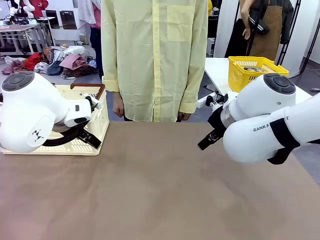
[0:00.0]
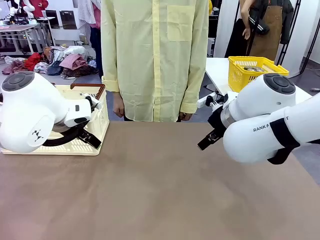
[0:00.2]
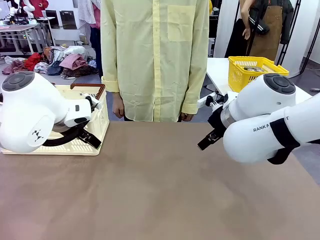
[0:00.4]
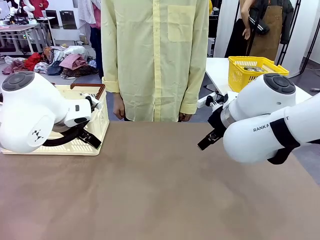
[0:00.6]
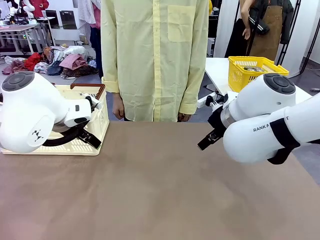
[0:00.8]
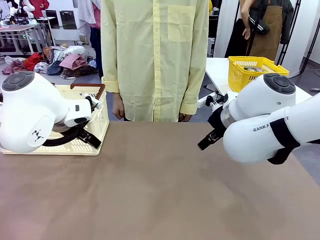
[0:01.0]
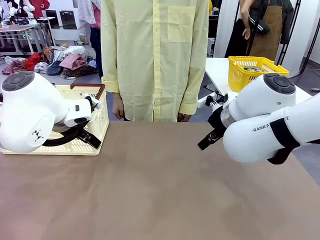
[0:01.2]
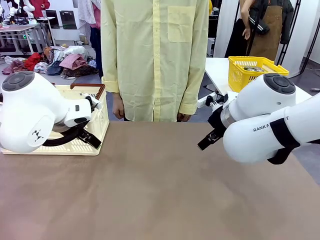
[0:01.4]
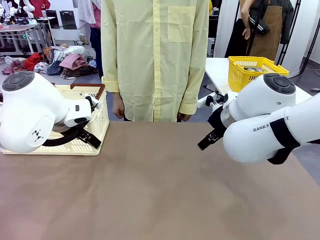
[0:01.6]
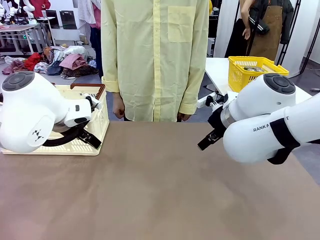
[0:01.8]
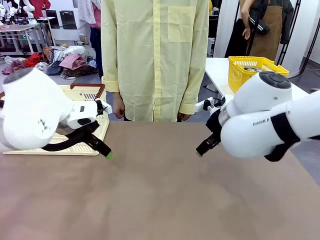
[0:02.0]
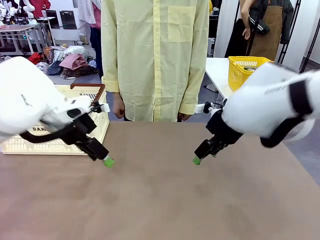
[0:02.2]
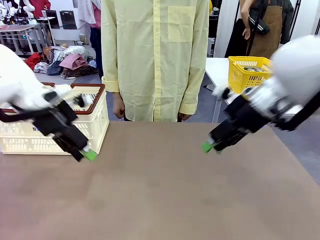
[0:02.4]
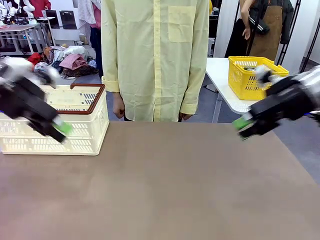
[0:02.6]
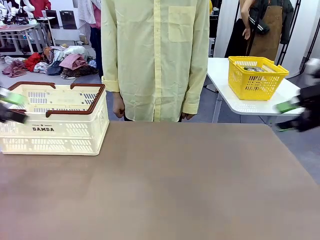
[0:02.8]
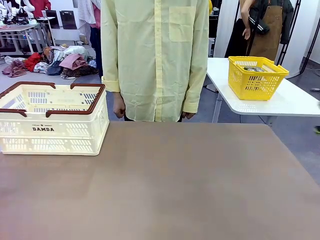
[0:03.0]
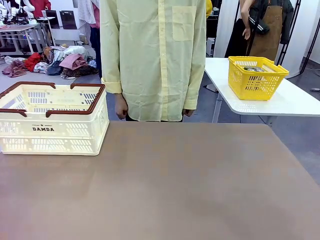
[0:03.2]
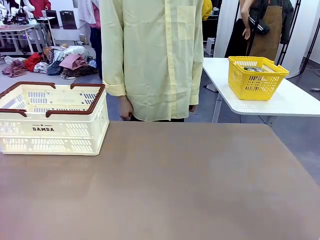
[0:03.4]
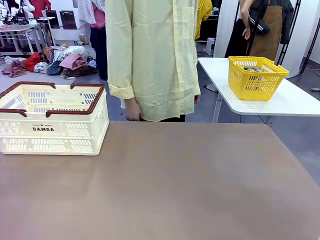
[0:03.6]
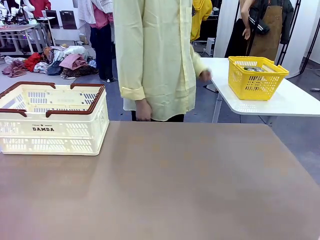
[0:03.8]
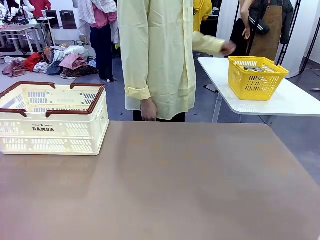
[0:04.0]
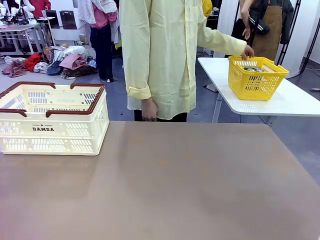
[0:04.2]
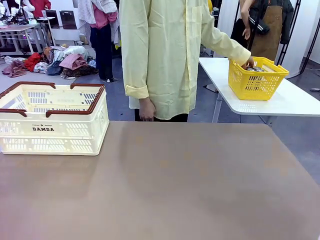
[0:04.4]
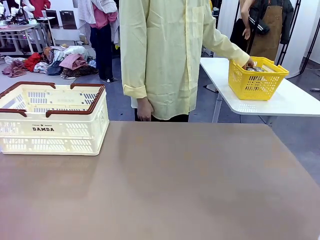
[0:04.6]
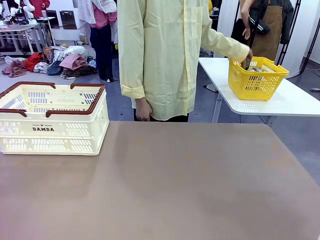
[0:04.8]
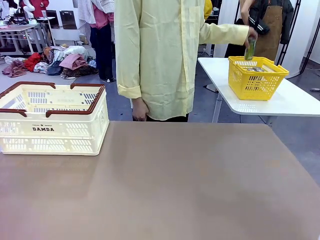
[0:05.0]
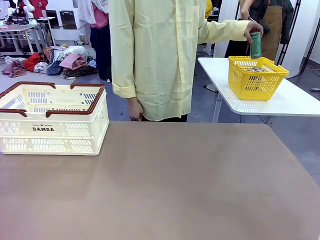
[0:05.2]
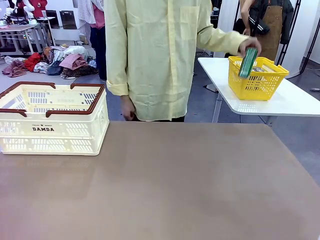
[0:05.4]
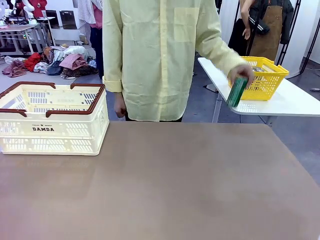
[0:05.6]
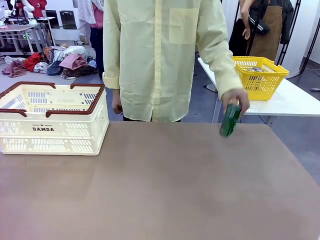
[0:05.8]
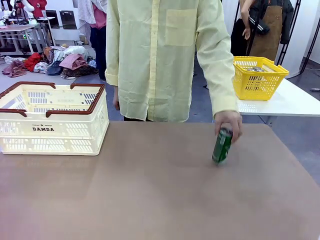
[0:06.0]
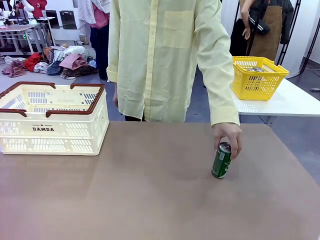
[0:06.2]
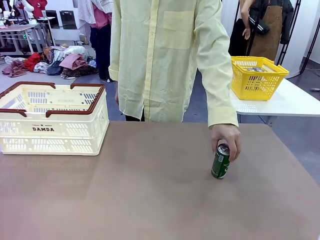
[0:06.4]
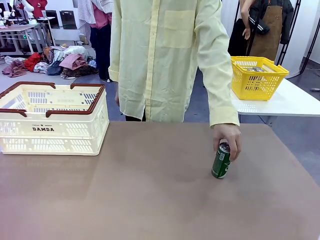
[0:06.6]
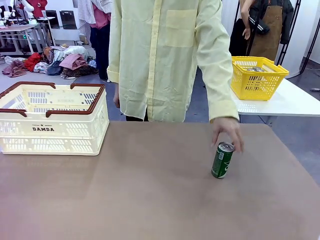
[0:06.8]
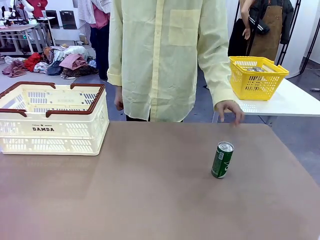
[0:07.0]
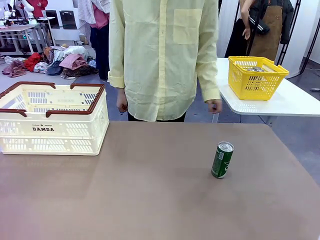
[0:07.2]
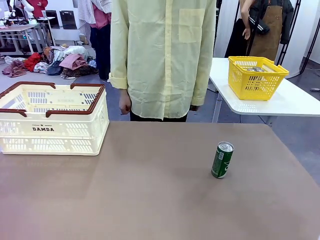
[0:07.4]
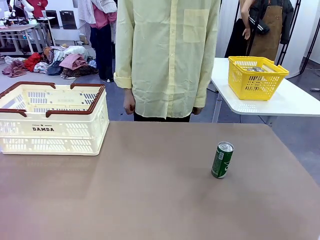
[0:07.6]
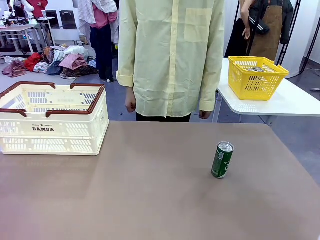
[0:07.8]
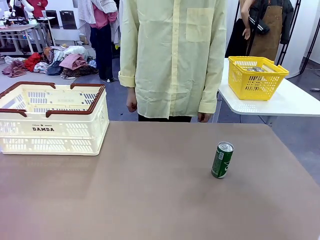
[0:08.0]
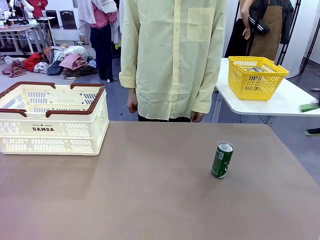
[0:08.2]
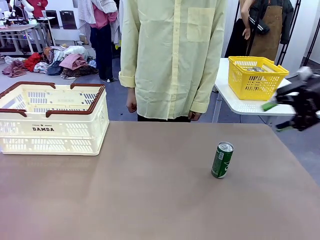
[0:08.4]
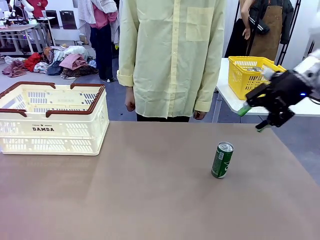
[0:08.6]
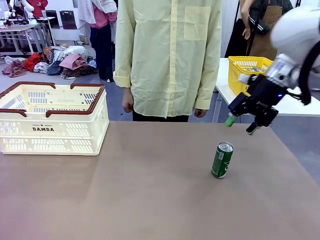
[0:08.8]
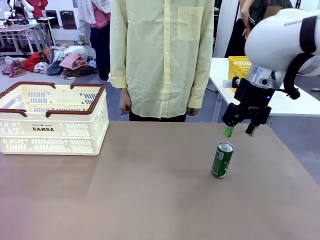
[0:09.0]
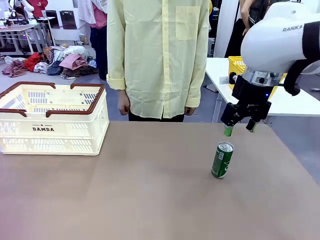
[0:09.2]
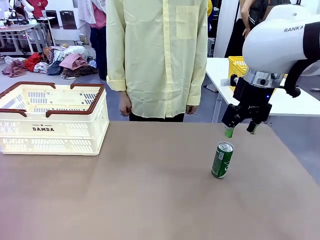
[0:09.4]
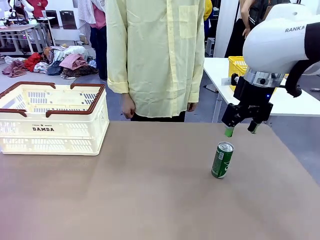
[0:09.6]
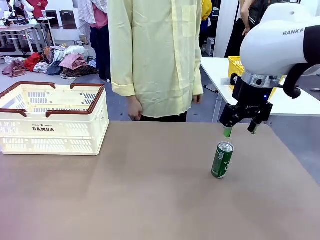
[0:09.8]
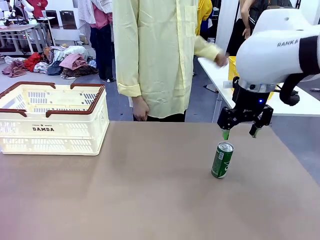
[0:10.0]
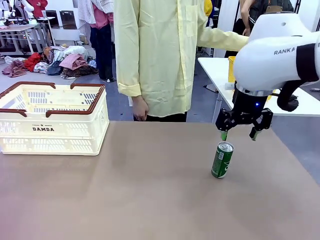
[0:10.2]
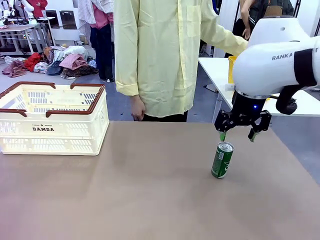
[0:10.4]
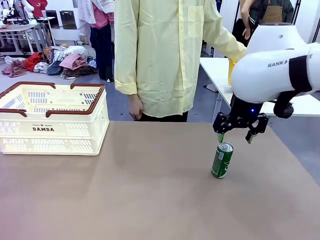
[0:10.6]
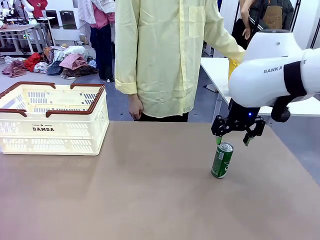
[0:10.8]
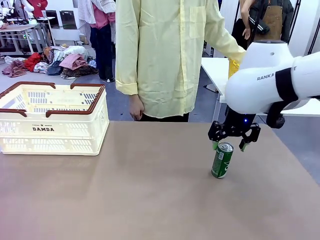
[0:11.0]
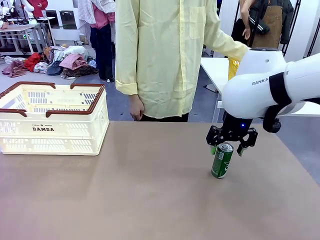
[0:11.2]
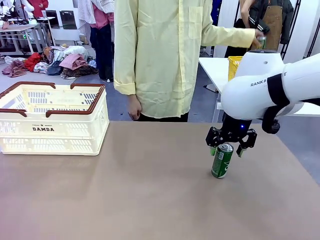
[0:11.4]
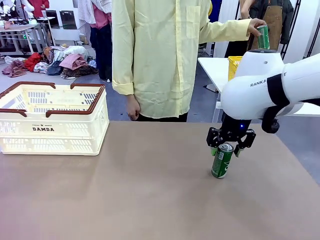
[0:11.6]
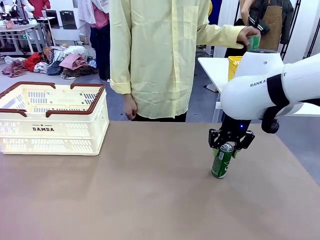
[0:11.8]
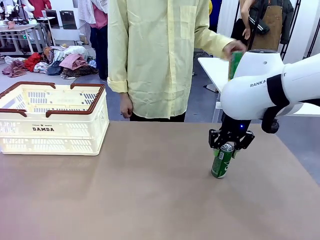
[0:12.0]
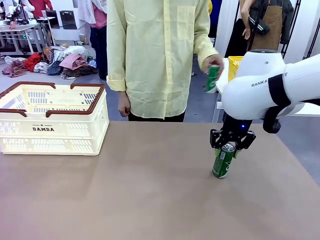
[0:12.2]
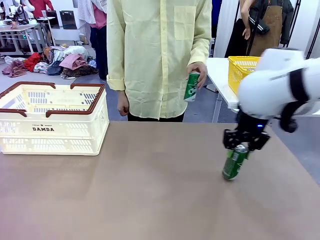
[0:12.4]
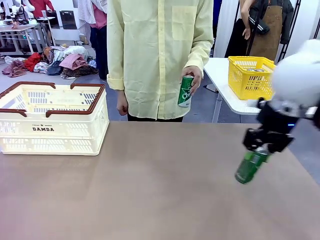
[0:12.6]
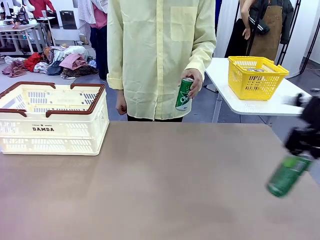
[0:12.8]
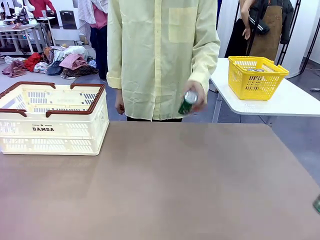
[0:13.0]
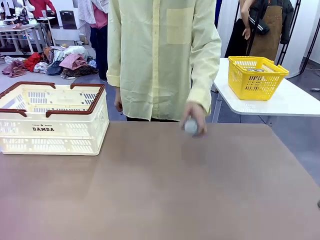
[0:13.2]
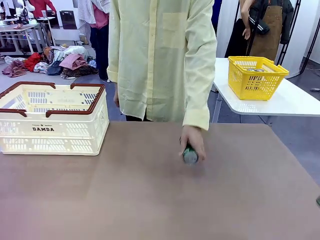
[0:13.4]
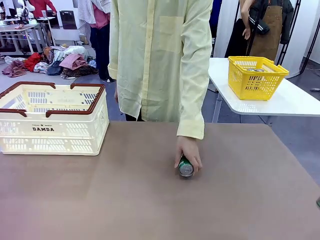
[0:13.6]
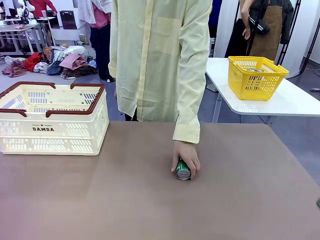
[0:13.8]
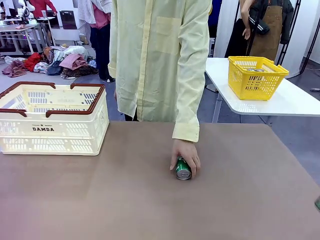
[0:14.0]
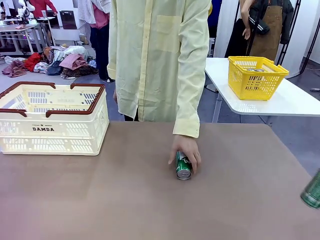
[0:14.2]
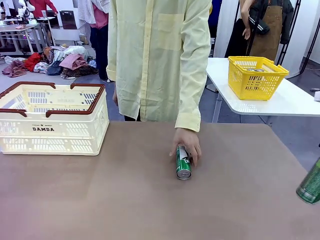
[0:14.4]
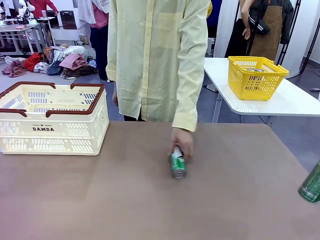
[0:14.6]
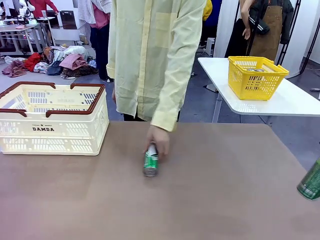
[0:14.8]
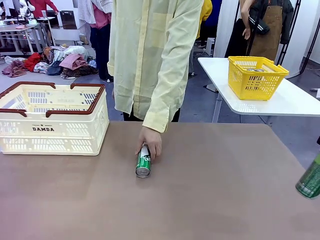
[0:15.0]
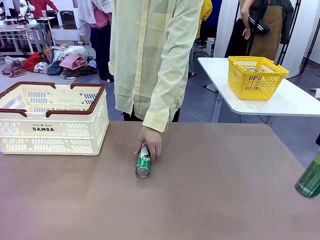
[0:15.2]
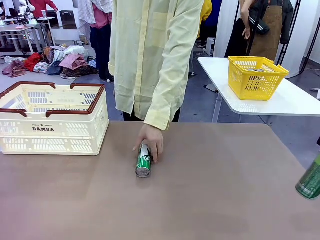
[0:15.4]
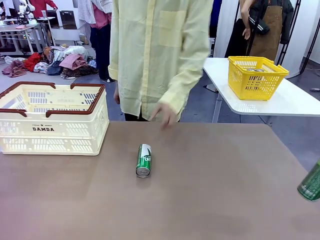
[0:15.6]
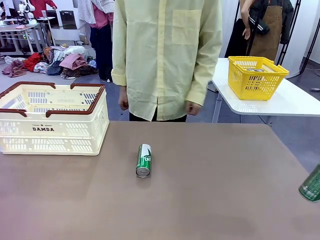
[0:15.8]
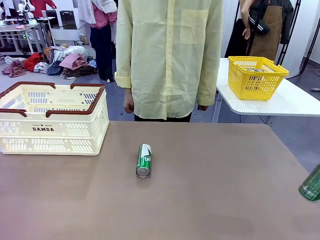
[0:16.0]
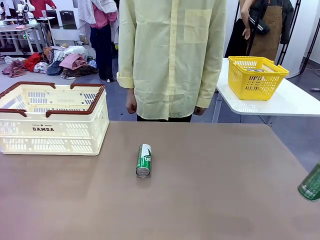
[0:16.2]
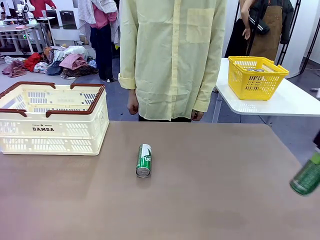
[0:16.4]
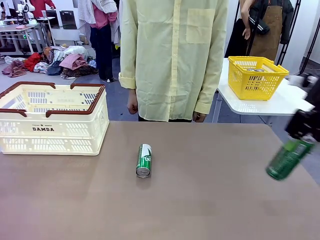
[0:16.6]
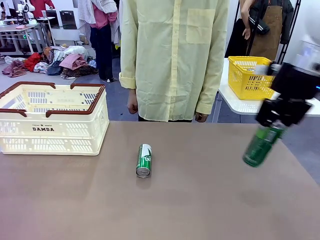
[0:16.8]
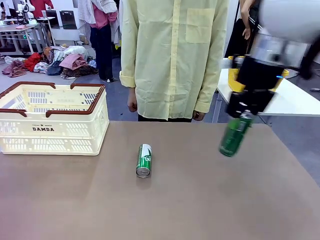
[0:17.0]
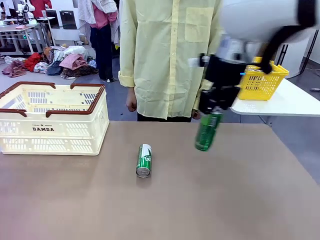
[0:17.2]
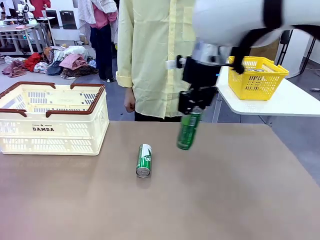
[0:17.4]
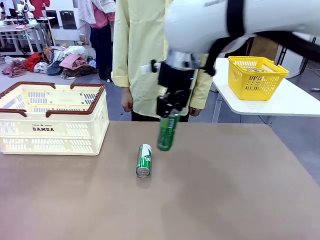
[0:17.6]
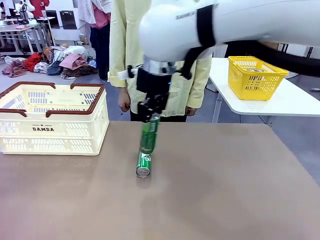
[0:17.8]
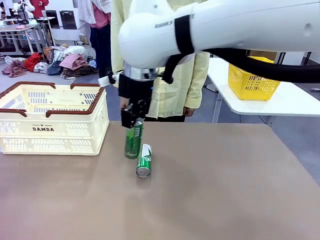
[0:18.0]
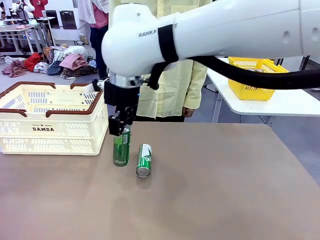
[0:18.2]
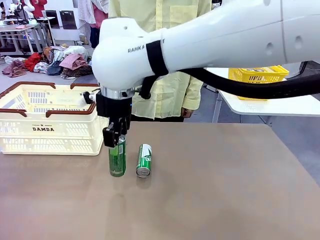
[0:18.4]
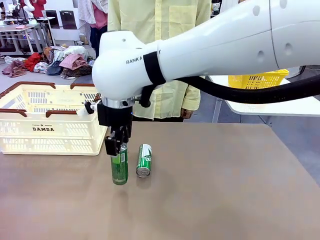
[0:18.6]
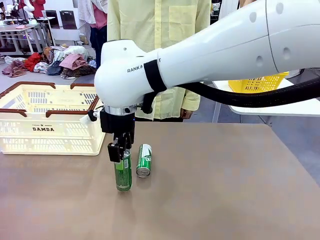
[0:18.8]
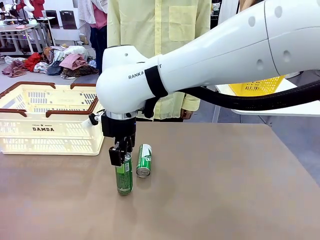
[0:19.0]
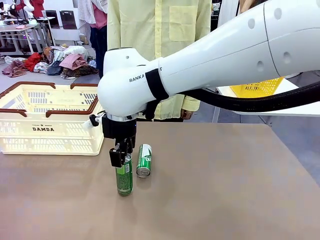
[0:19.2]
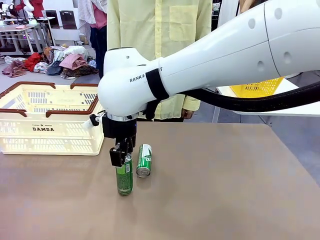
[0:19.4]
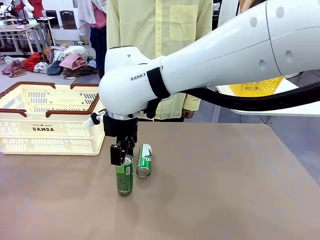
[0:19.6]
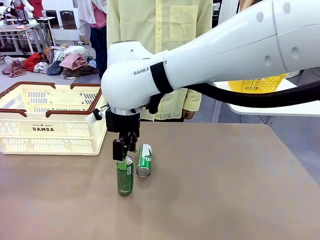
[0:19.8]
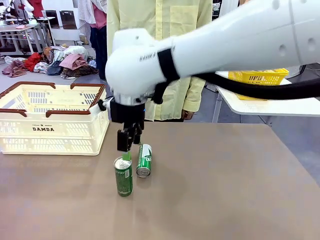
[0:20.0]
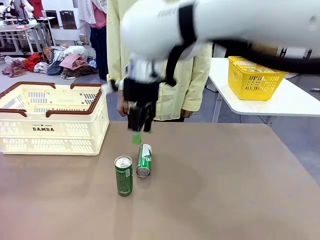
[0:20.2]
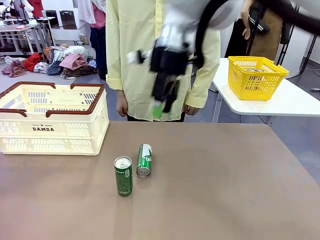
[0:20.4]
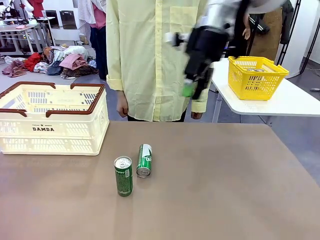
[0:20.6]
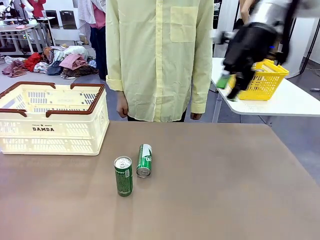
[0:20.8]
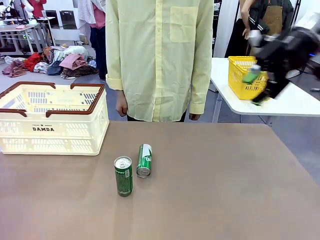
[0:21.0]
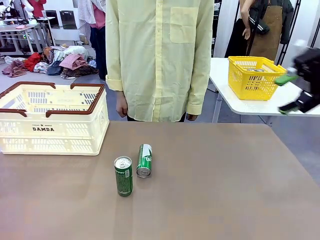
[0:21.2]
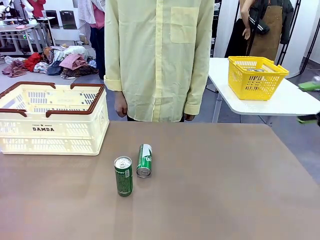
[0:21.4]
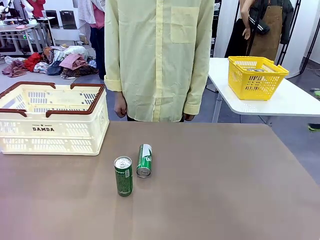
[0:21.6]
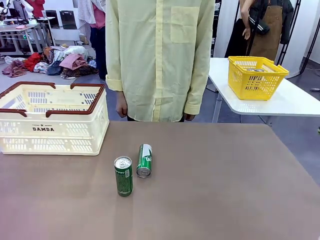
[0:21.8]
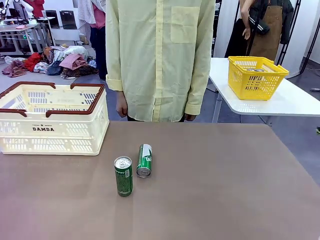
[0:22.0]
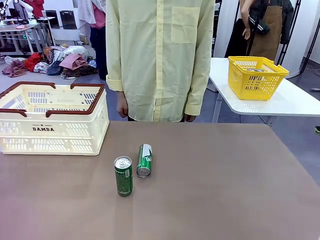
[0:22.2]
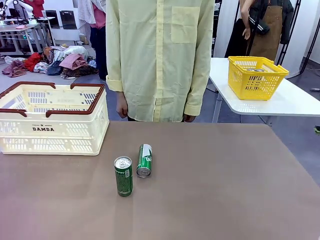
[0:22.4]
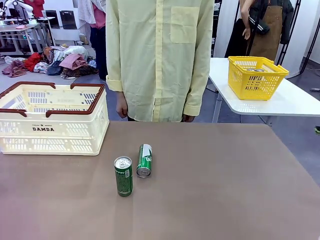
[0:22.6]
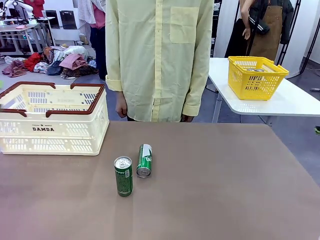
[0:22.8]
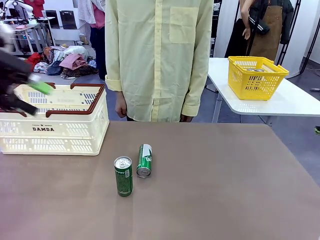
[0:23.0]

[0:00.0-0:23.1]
Task: Place the drinks into the Shopping basket.
Robot: Pick up one drink and place it into the Shopping basket.
